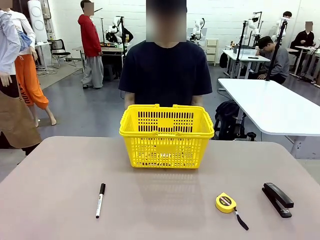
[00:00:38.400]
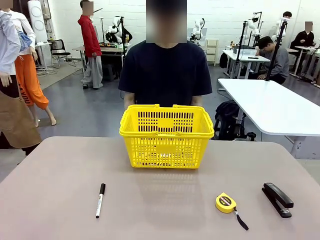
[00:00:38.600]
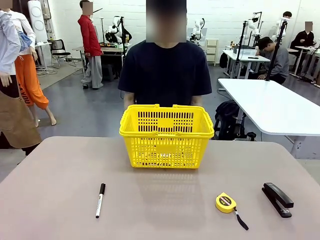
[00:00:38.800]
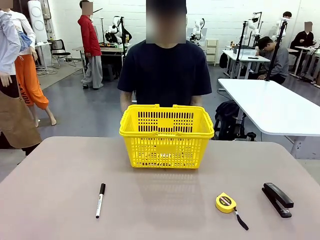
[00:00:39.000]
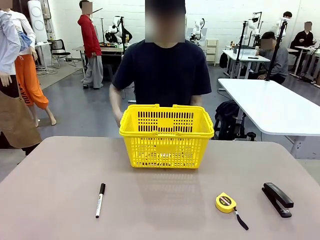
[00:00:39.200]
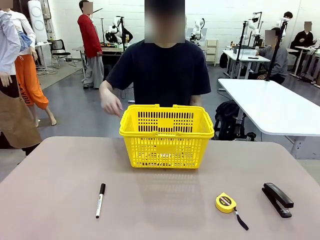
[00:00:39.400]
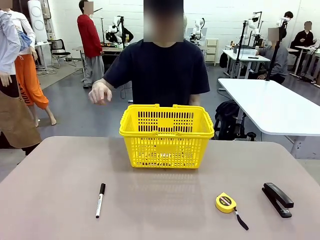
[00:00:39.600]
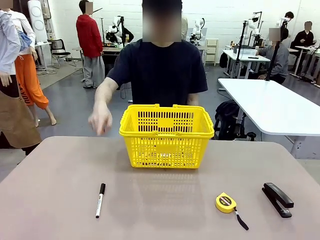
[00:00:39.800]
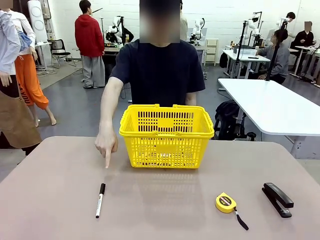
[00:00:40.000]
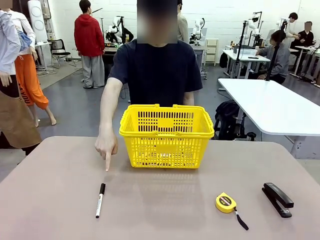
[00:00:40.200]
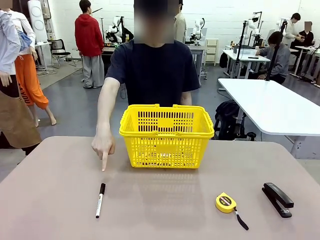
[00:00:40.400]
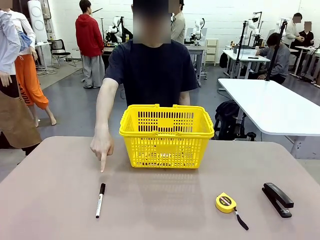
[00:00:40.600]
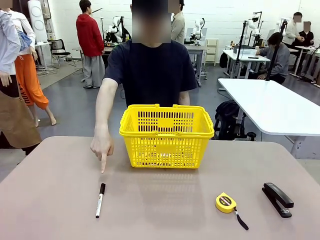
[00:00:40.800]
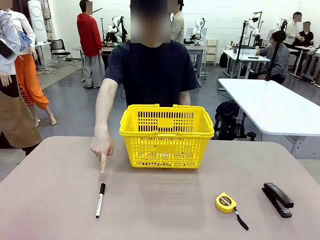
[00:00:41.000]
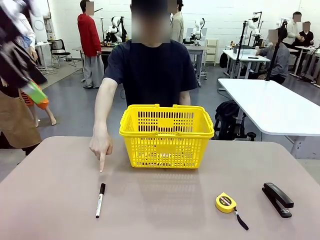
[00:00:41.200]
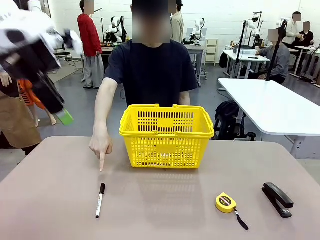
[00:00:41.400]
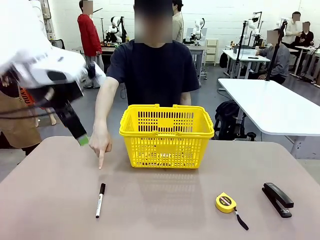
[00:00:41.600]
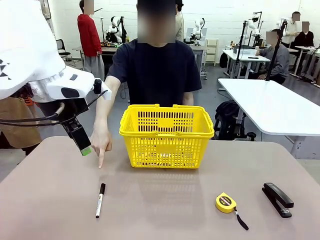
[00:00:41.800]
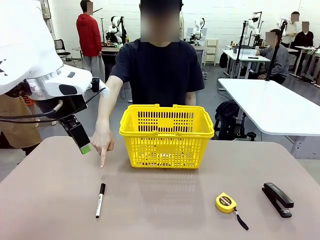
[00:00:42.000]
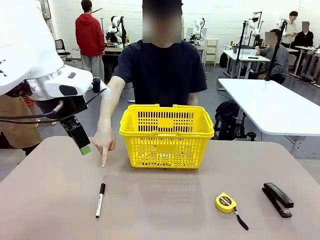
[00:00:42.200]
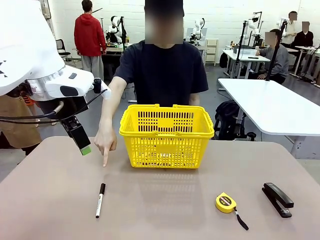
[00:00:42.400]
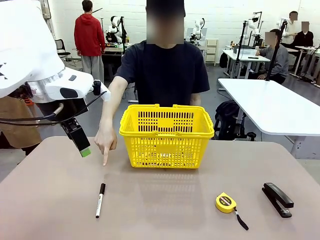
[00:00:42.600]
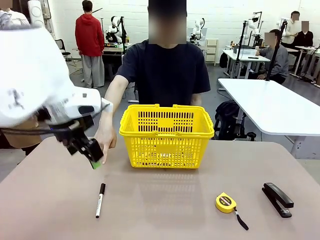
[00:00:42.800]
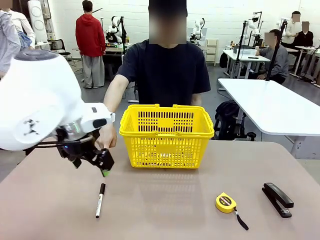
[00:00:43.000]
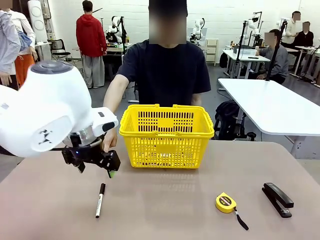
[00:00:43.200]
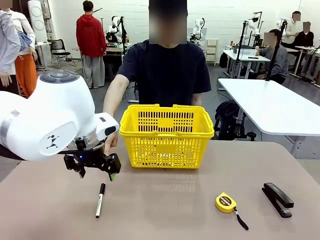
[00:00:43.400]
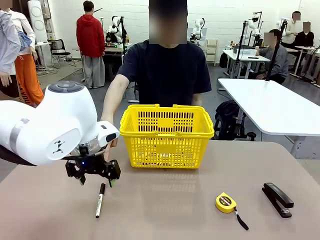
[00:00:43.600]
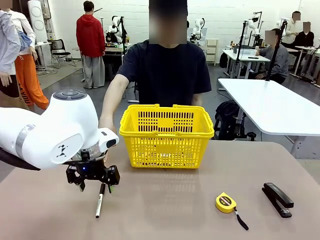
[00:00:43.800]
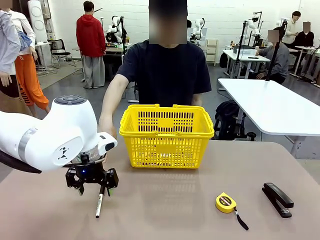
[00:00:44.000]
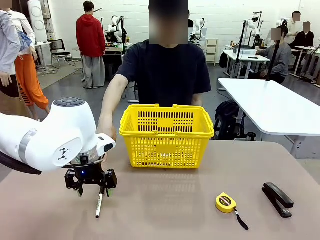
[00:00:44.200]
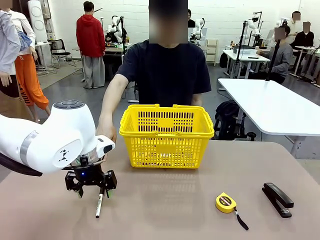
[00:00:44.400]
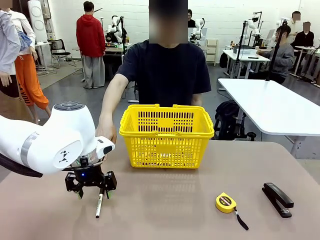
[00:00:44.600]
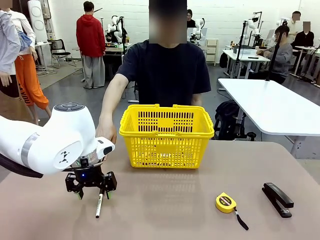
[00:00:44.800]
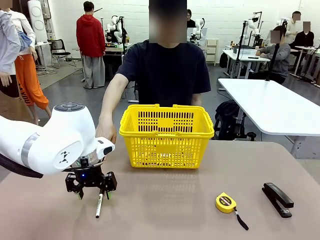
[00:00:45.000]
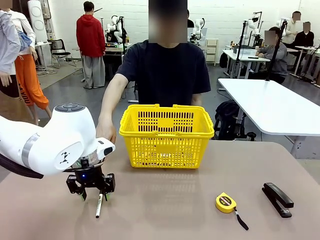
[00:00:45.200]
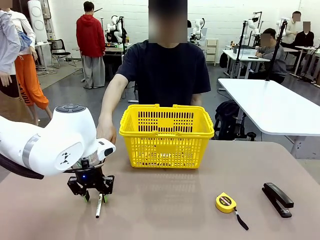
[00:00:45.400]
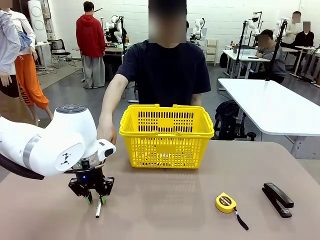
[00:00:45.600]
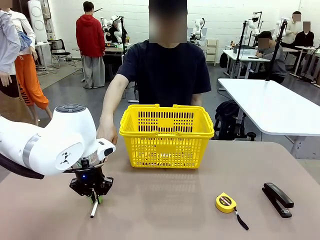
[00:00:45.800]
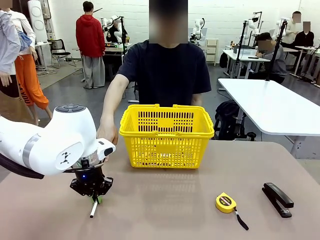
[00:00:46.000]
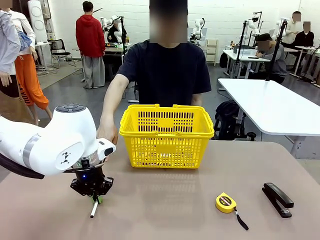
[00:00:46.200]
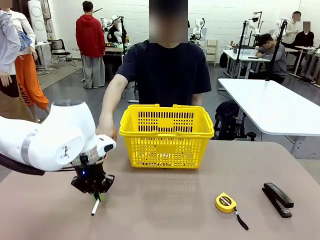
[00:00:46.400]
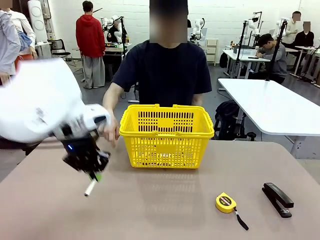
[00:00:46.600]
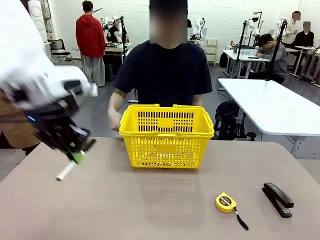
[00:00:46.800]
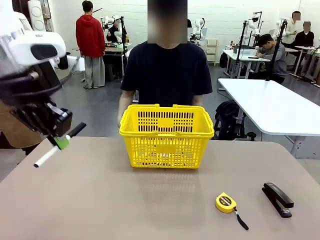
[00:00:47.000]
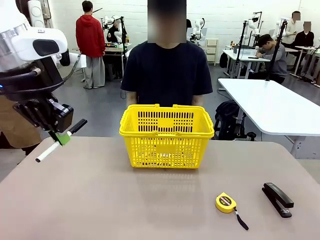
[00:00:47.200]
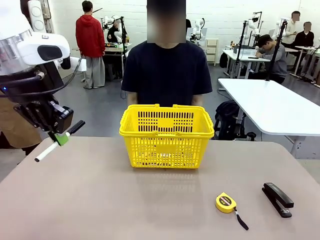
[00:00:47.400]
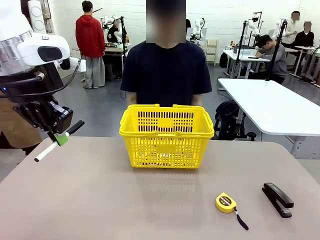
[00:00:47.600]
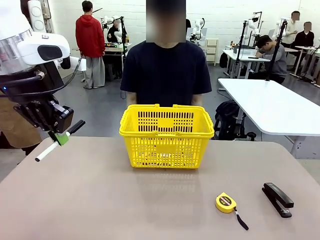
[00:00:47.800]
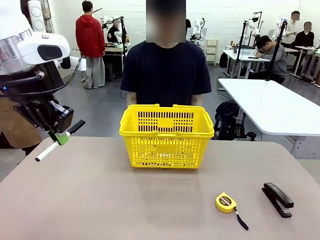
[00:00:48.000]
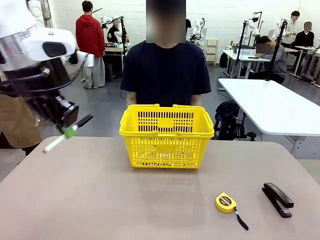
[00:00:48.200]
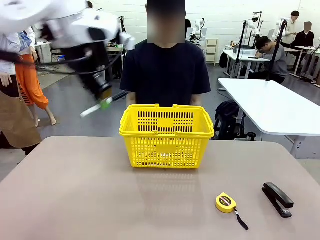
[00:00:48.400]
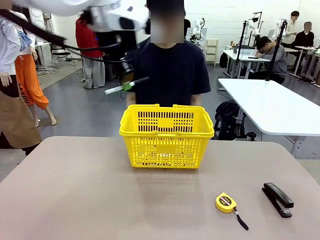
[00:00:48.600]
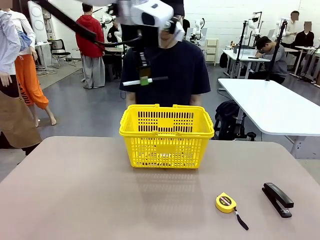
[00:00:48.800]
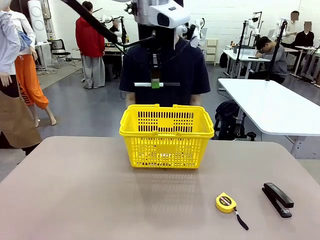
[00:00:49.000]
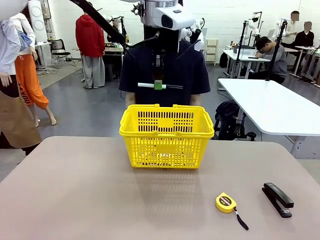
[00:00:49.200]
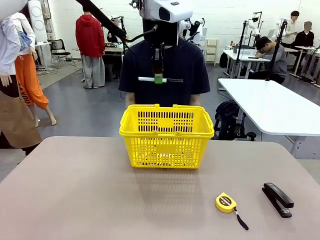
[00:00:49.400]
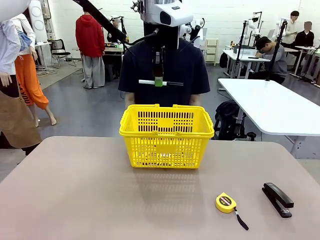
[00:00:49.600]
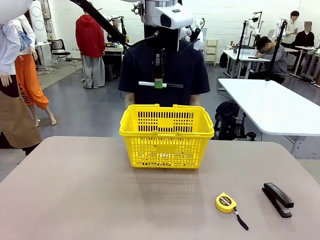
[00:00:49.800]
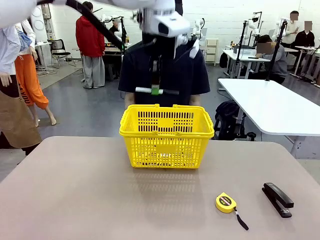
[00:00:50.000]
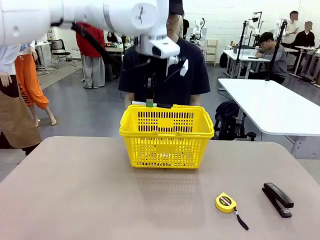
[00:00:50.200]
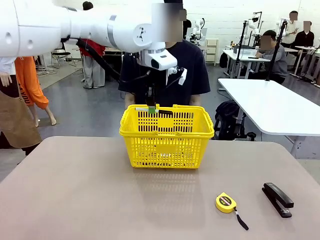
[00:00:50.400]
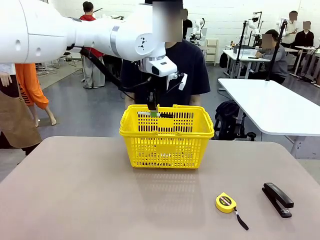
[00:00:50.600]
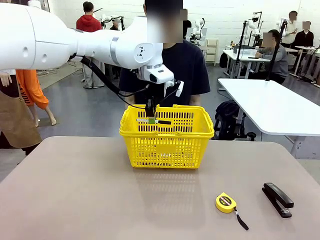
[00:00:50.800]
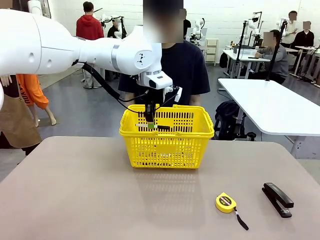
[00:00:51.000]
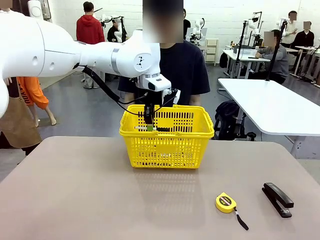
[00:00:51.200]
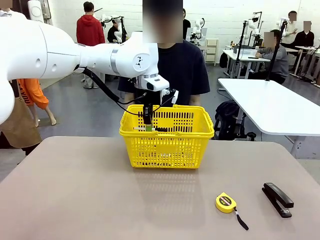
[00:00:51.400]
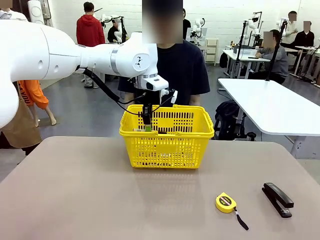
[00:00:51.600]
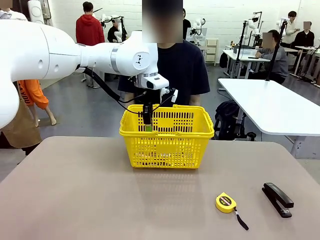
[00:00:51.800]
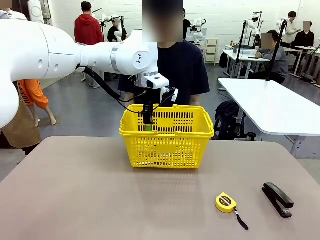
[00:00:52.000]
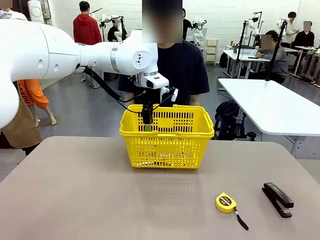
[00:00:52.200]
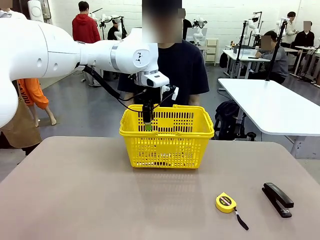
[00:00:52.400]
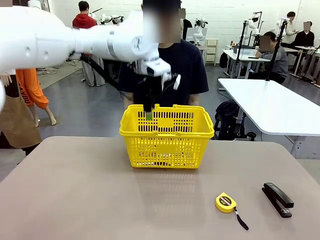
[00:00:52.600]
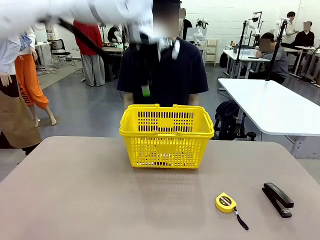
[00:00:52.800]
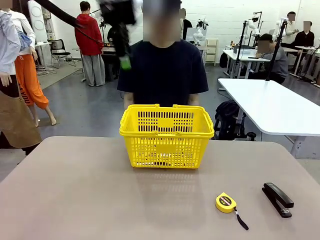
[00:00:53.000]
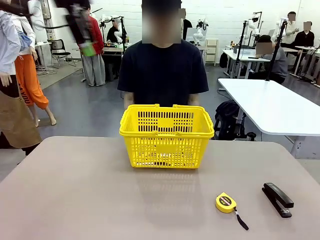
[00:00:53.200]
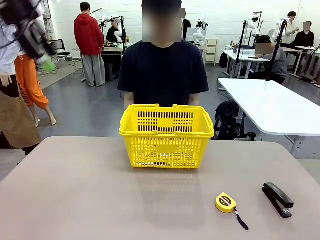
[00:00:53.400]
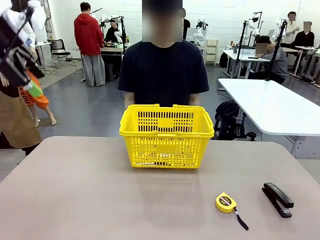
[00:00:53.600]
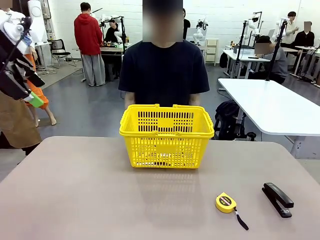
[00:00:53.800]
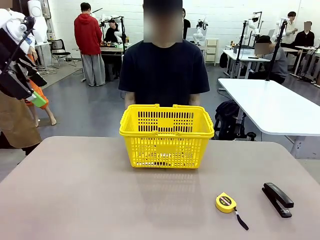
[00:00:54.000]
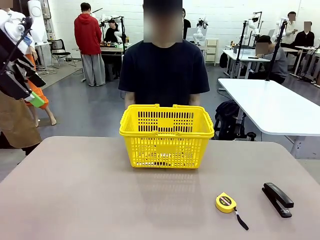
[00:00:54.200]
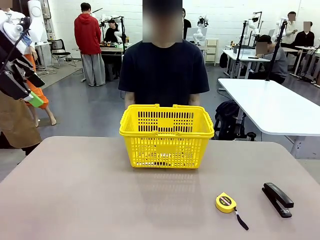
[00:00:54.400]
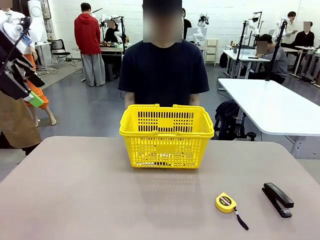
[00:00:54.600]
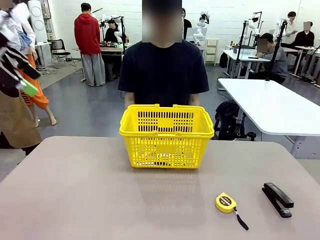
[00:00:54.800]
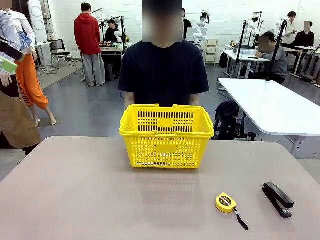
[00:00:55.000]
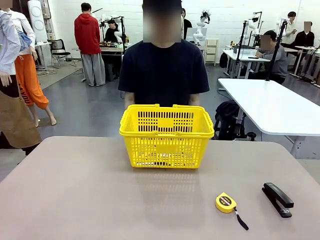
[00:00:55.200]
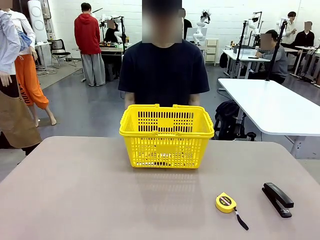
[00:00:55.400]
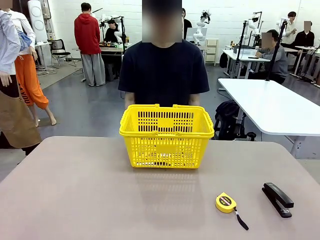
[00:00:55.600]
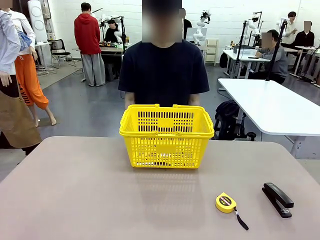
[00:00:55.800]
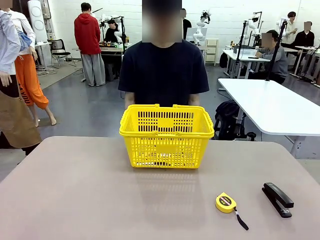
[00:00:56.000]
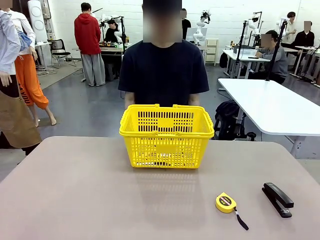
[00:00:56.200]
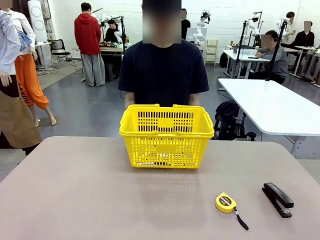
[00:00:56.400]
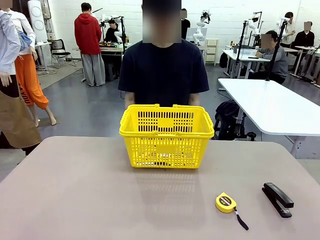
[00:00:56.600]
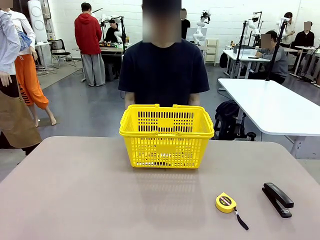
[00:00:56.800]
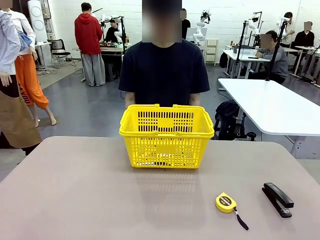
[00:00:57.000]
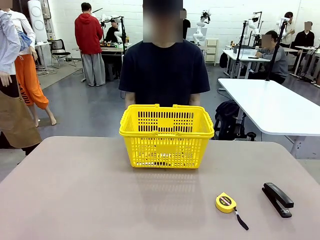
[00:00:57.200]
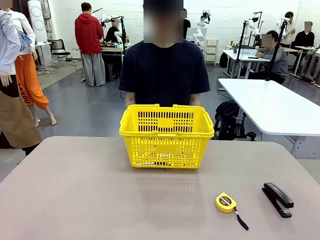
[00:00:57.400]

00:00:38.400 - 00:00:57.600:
Task: Place the items the person wants into the basket.
Robot: Pick up the item the person points to and place it in the Market Basket.
